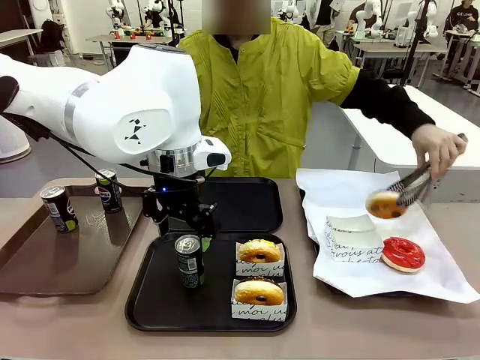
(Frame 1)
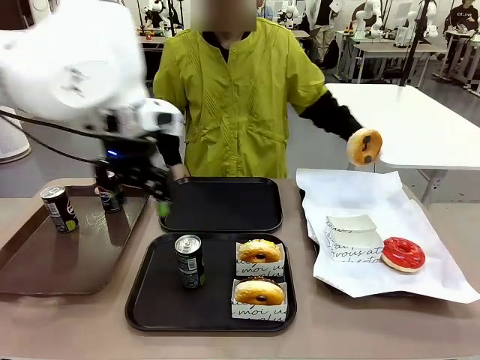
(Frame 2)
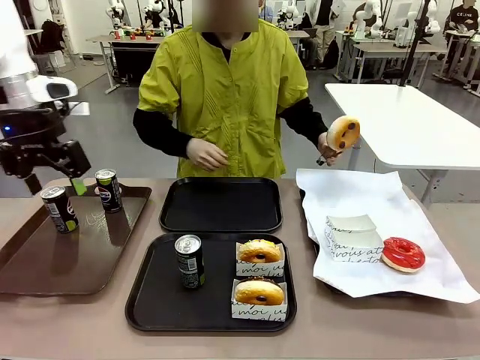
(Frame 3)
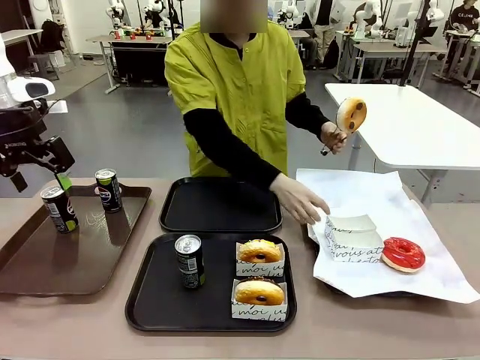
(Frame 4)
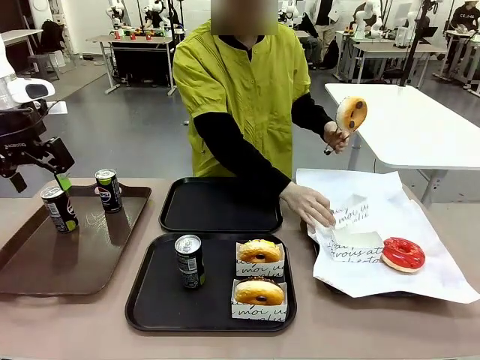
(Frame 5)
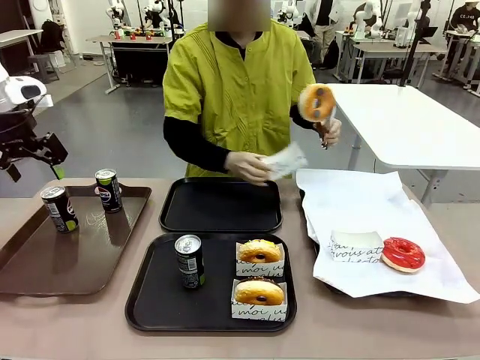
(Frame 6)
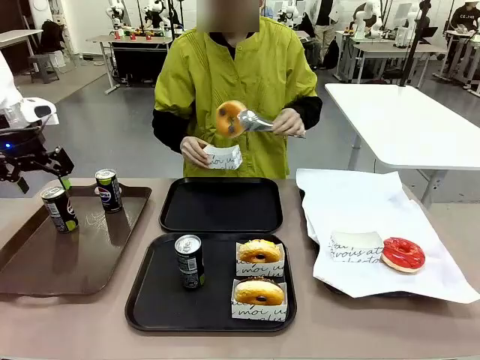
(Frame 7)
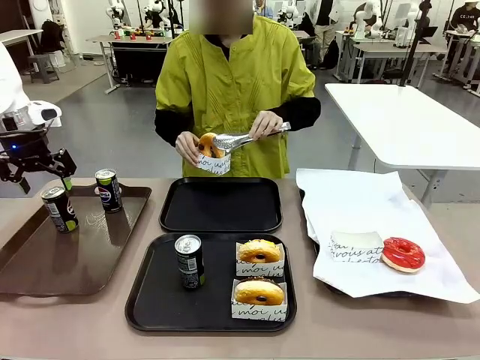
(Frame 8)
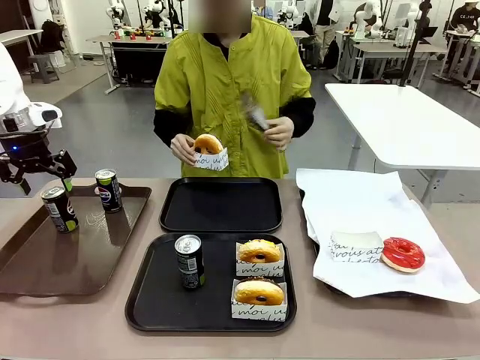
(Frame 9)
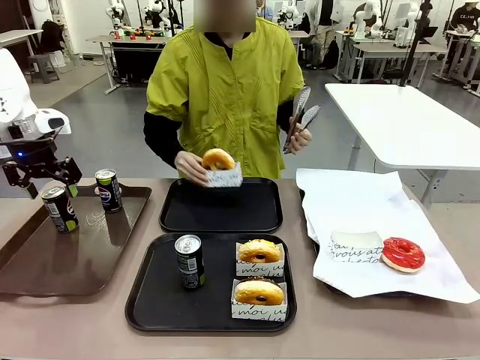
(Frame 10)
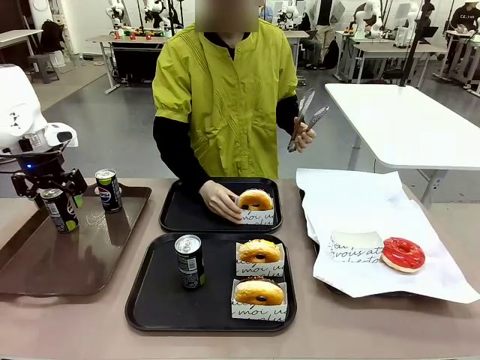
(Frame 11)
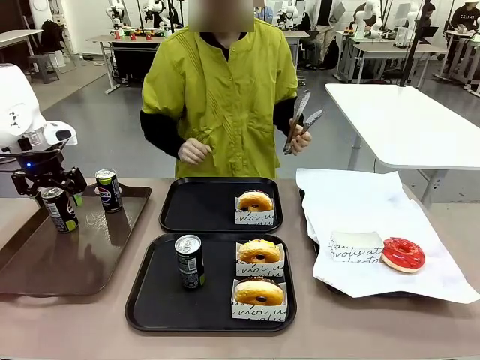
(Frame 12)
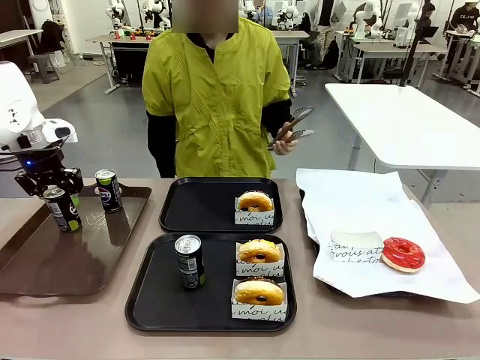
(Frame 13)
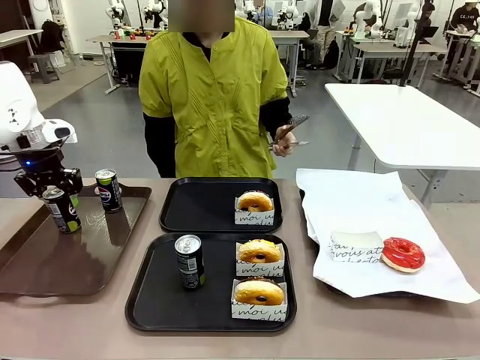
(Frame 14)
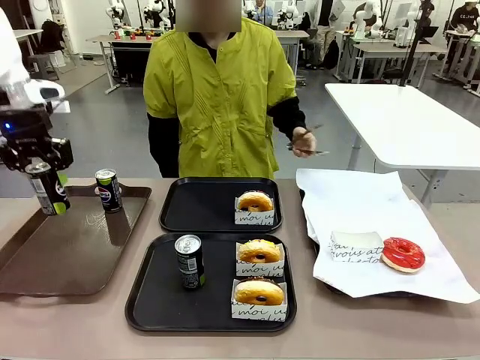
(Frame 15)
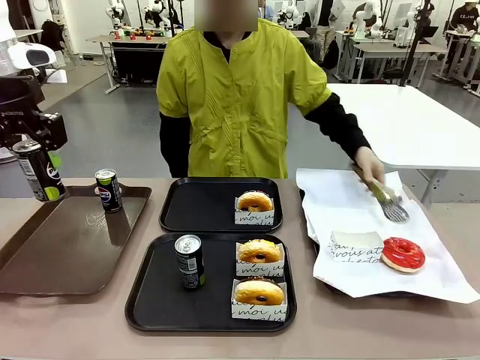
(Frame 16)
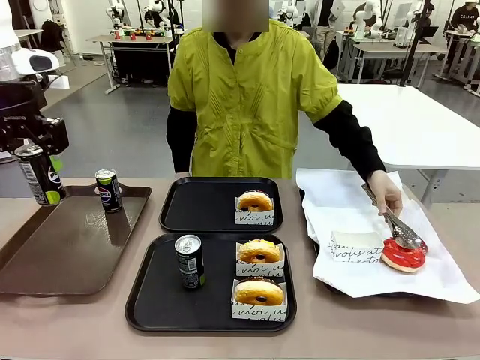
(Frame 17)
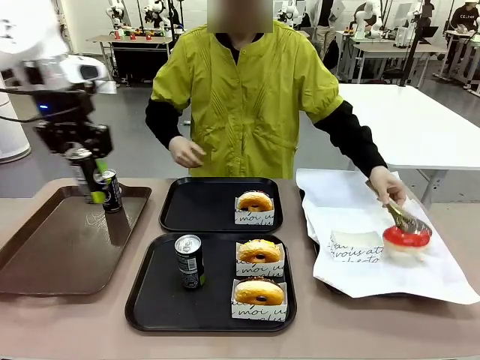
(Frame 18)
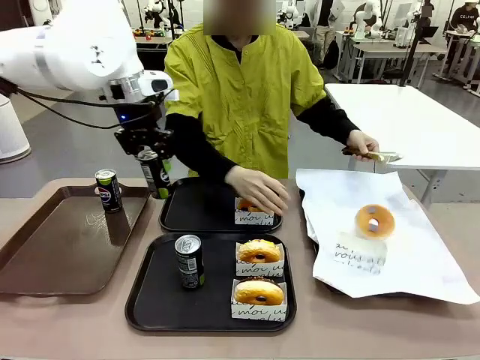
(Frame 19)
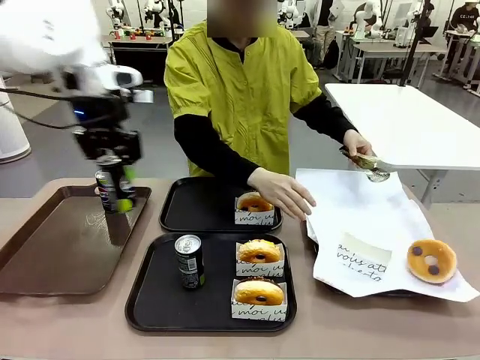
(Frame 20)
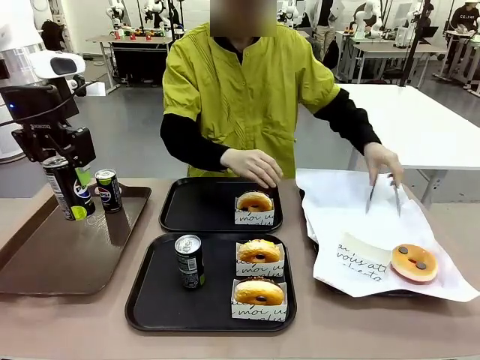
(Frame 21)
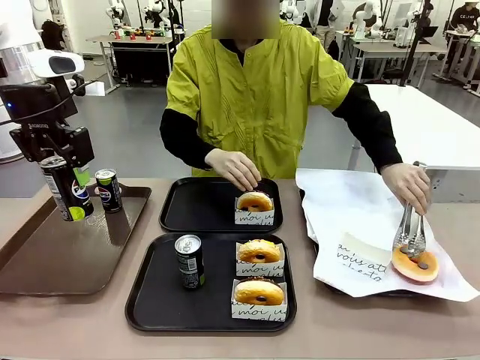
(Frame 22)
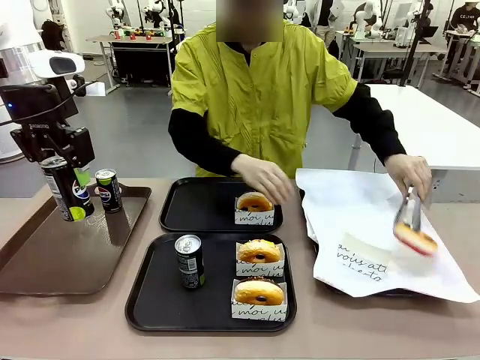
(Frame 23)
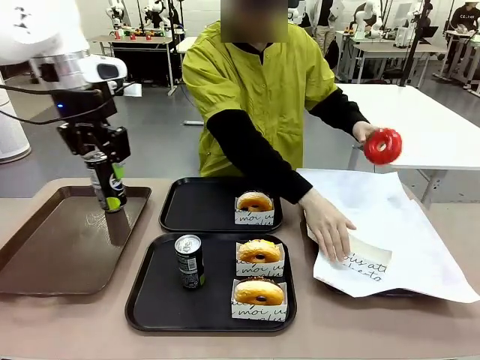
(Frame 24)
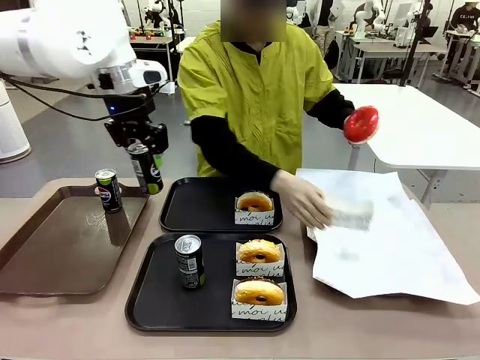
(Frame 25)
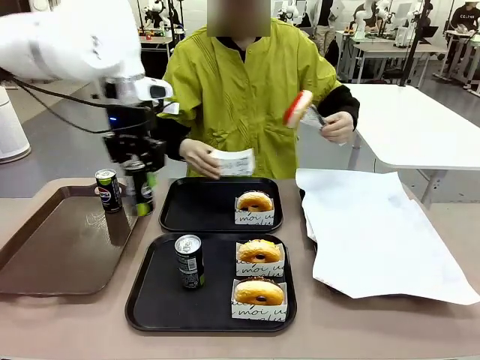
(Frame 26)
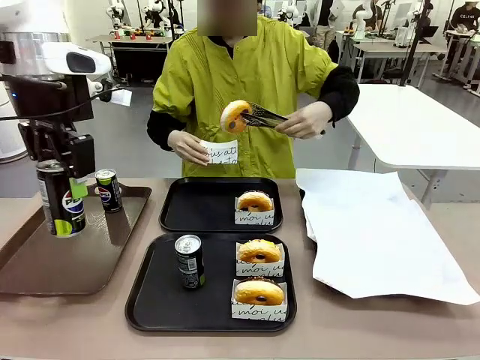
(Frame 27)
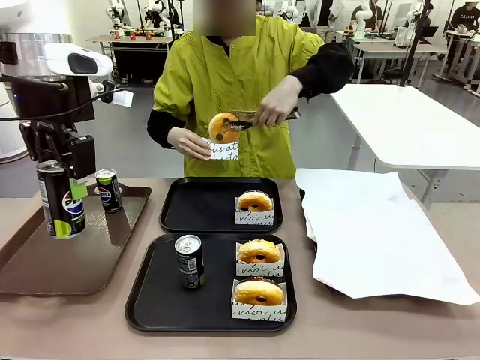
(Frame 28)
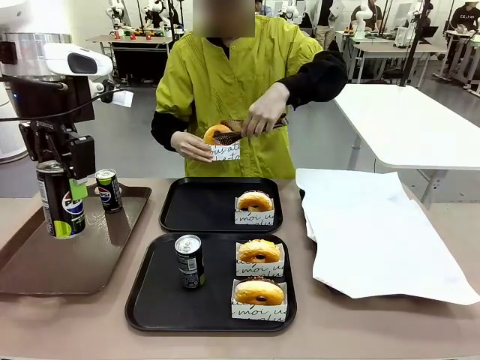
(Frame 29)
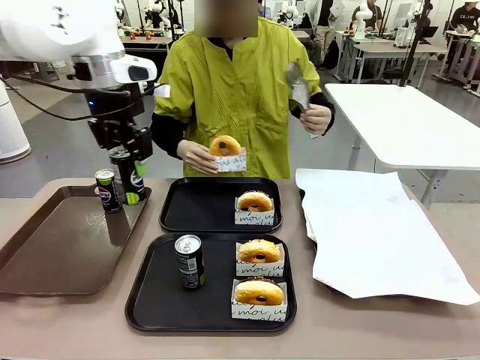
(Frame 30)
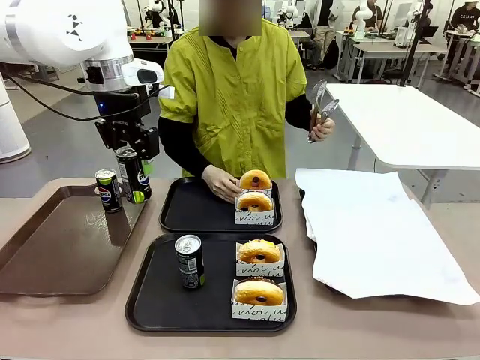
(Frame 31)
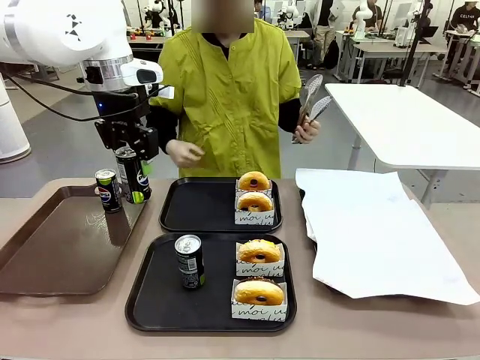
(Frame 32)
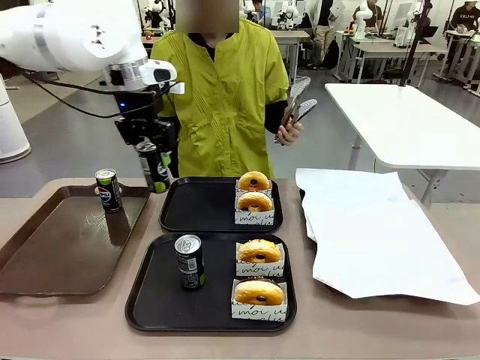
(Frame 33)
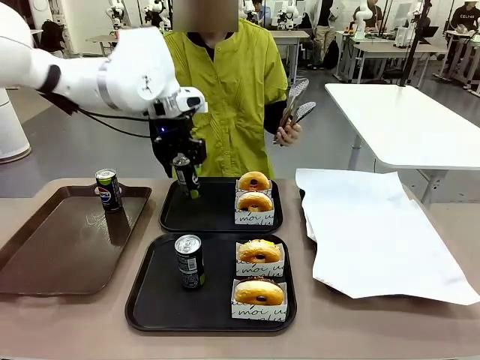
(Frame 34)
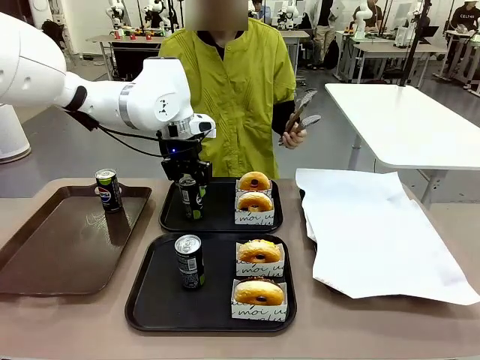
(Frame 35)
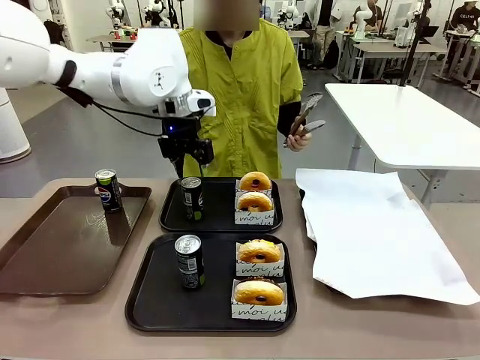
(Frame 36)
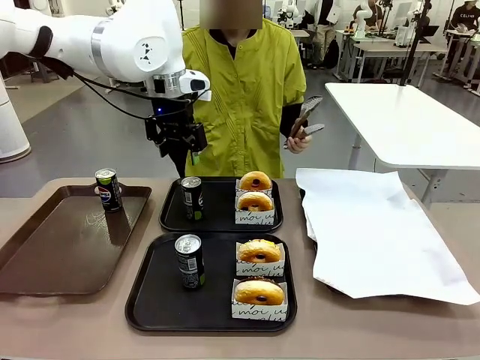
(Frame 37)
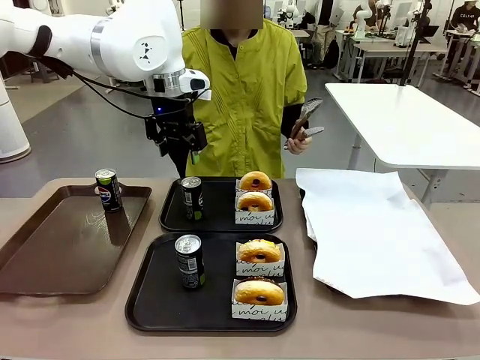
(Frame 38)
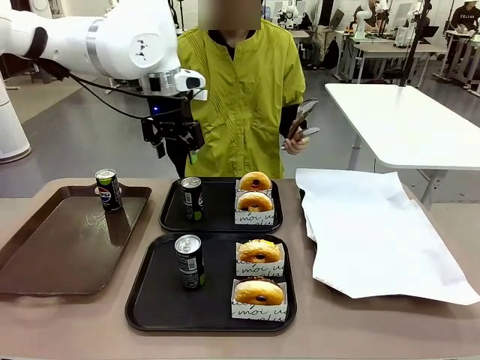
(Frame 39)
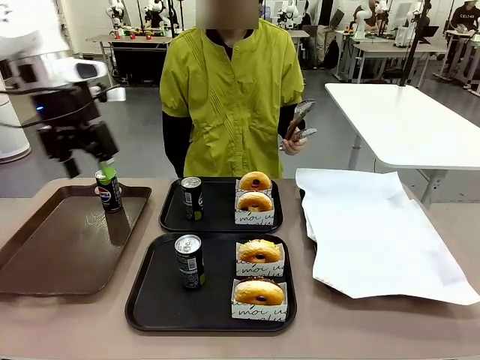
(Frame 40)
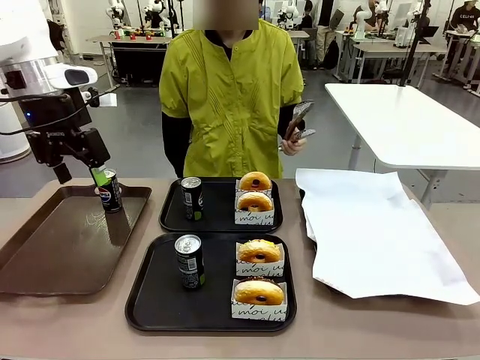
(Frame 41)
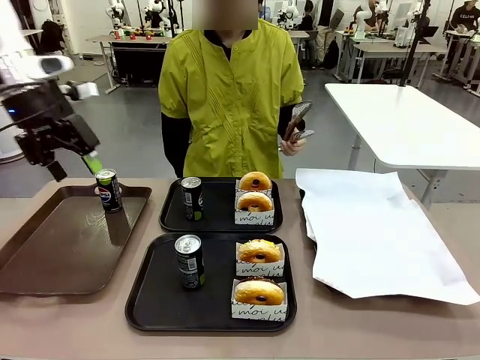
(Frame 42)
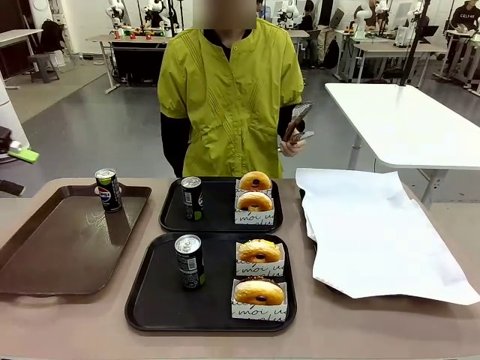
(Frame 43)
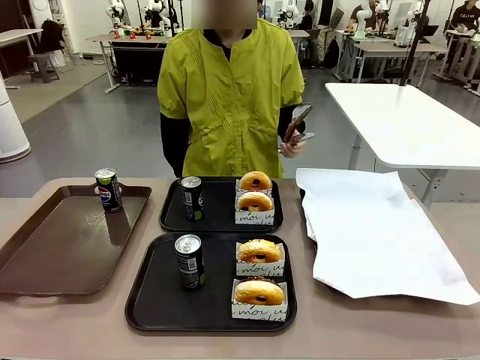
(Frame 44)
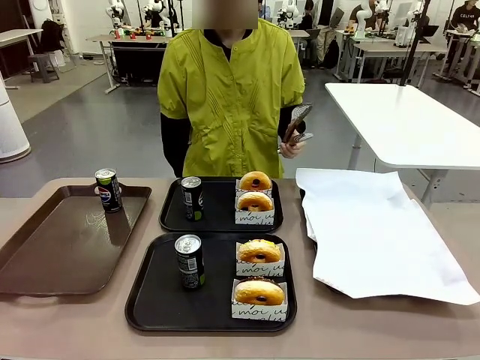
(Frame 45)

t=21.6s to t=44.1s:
Task: Set up donuts and drinks on trays.
Robot: Pick up one Pepsi coke from the Handle tray and place it on the Flat Tray without a Pepsi coke.
Person: Pick up one donut with tongs, place it in the donut tray, and then place the donut tray on the flat tray.
